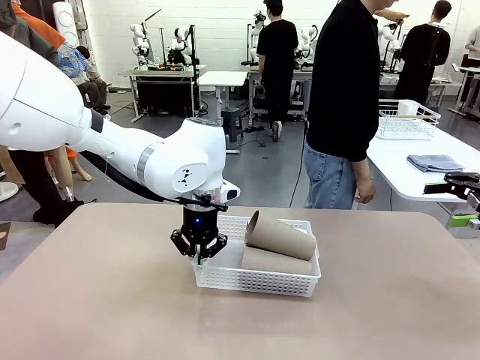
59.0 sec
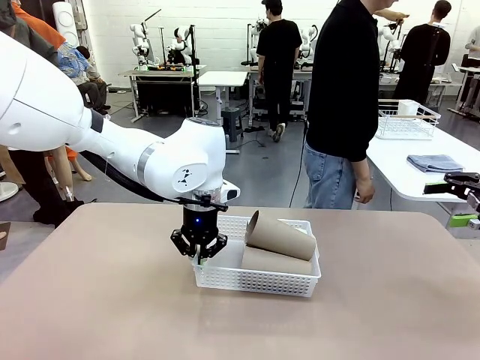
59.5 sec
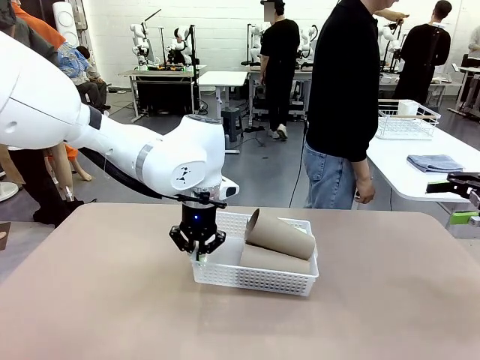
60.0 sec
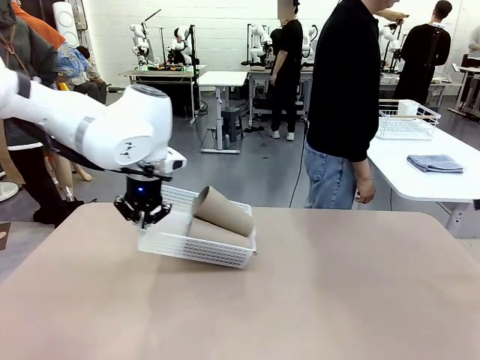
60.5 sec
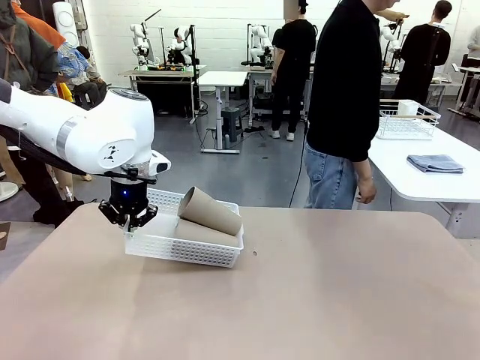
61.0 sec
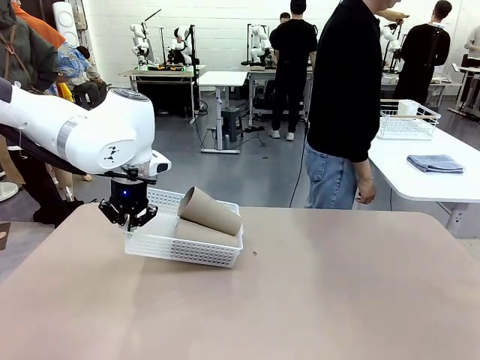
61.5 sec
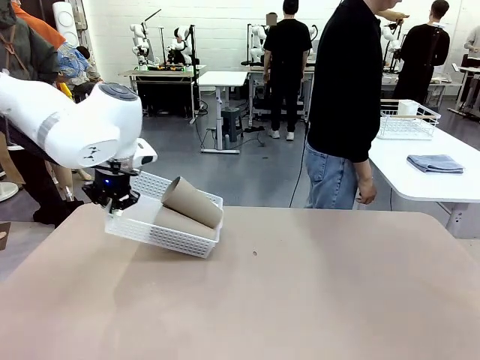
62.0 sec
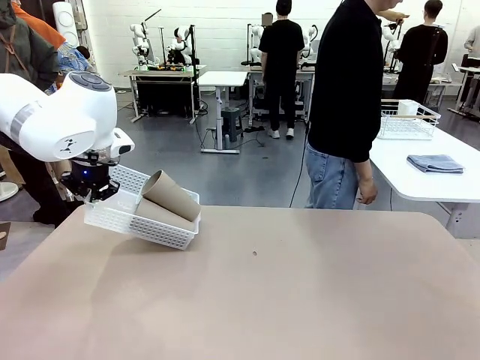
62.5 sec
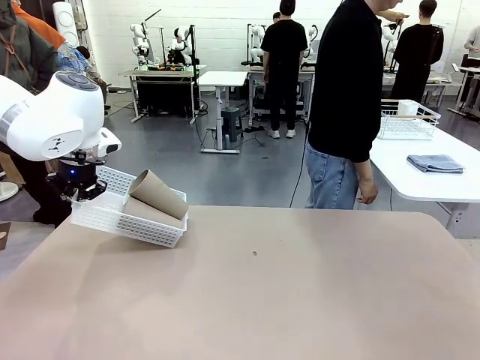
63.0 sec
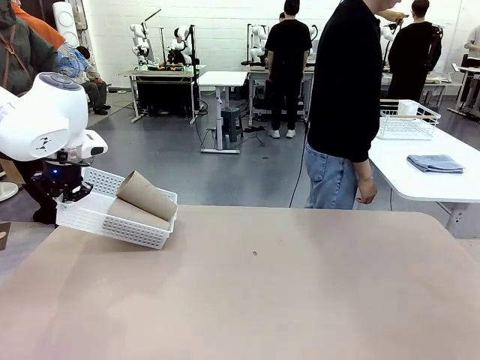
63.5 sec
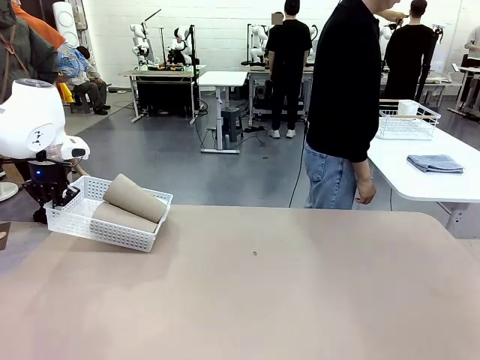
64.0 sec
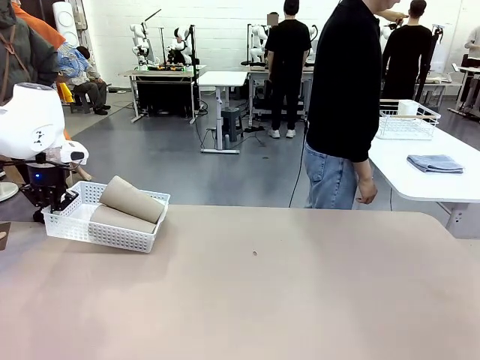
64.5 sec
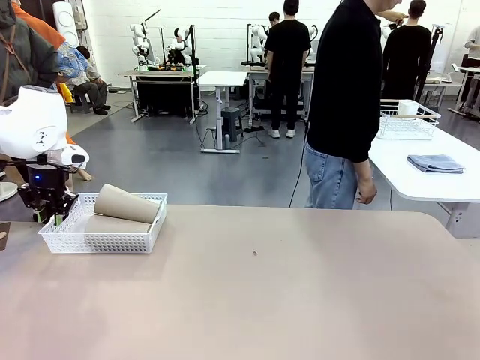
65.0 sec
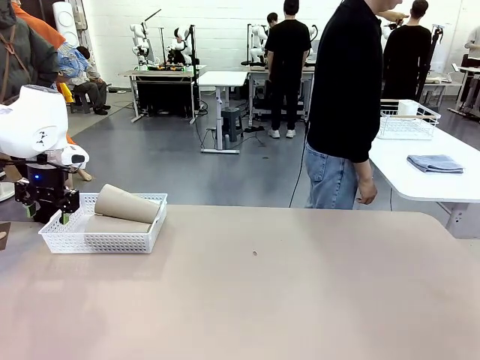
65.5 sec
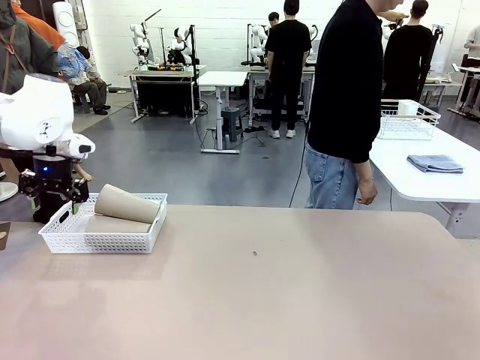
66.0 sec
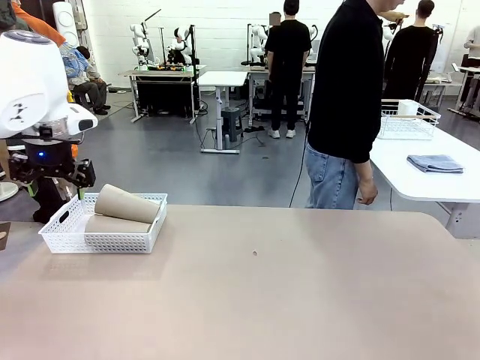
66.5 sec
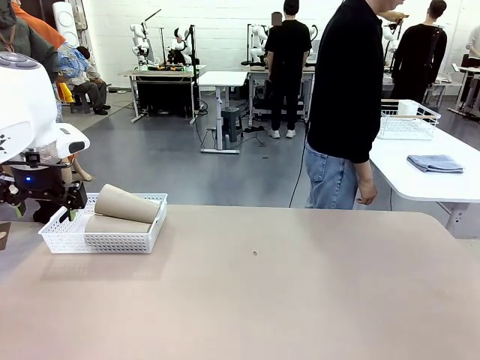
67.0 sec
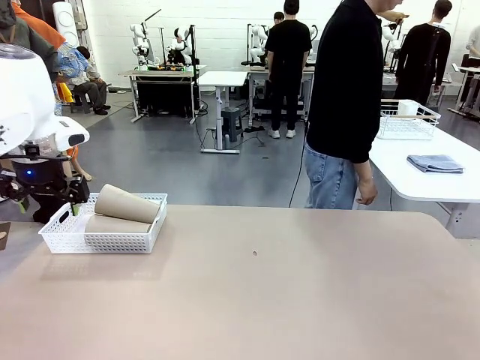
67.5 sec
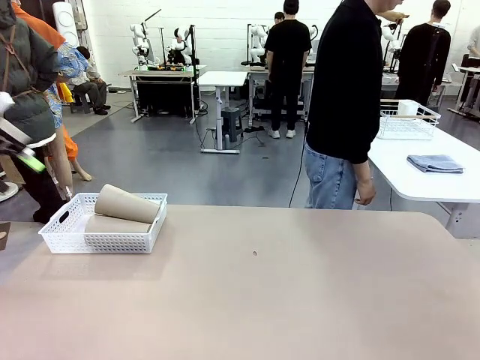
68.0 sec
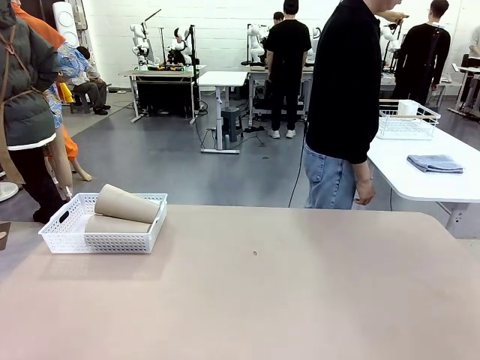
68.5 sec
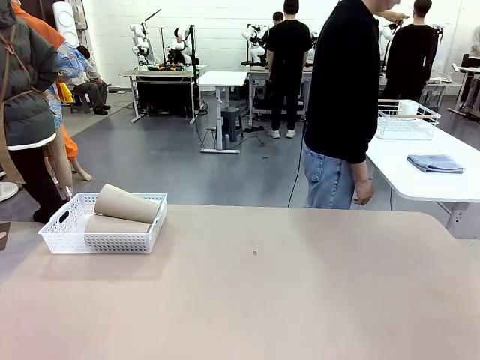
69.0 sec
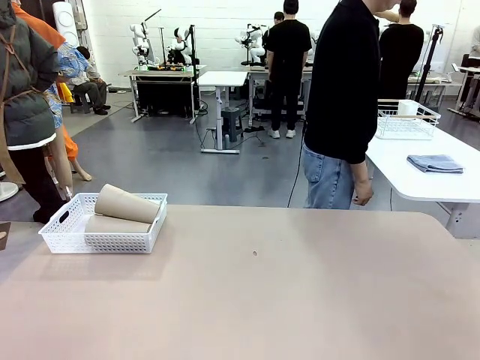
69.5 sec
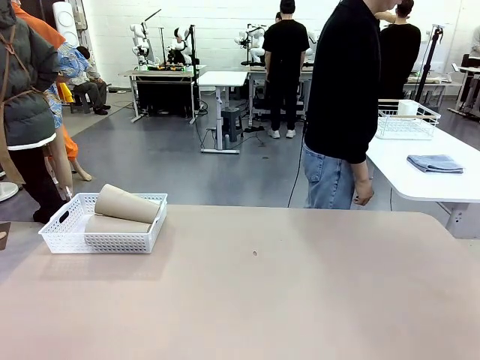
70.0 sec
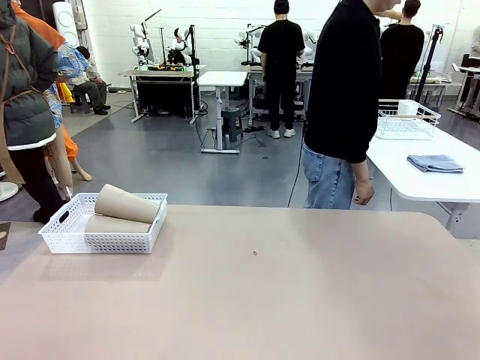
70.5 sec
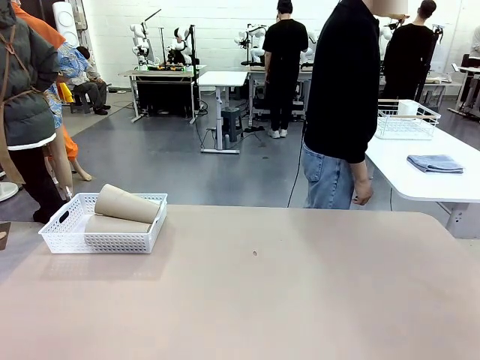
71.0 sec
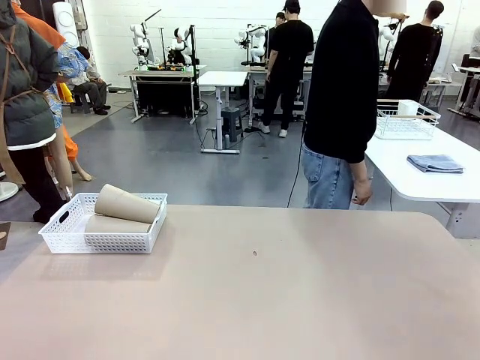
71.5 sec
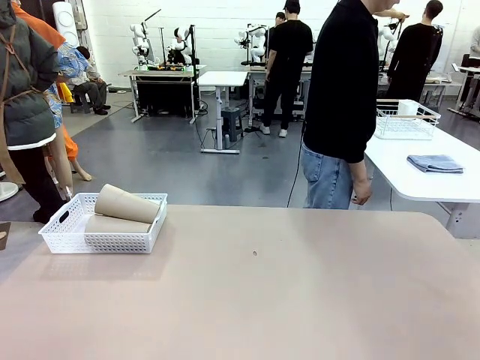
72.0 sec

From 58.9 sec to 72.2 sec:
Task: Clean and organize the cups into the basket.
Robot: Move the Organizing basket back to the left side of the table.
Person: Folds the towel in half twice and places it in the right of the table.

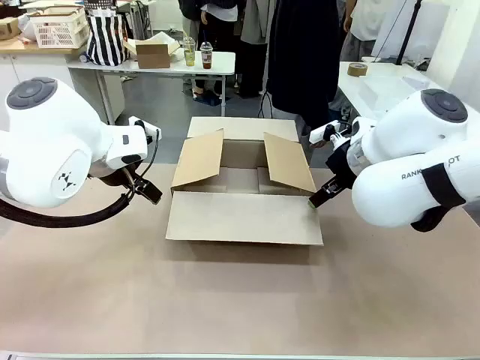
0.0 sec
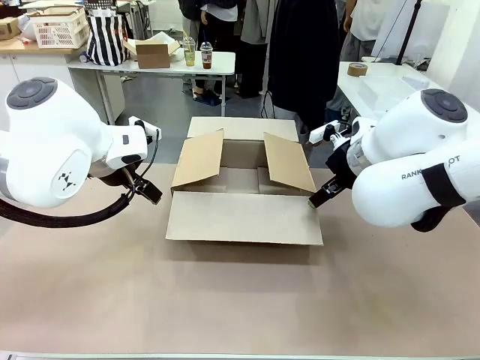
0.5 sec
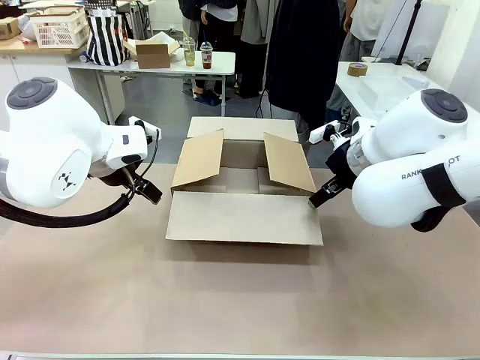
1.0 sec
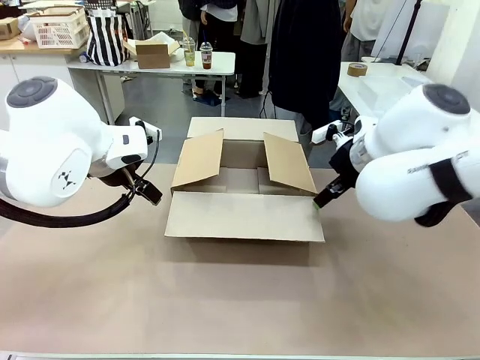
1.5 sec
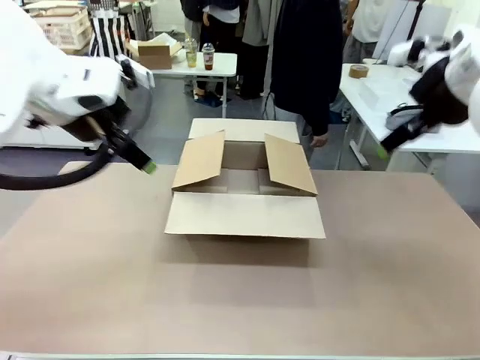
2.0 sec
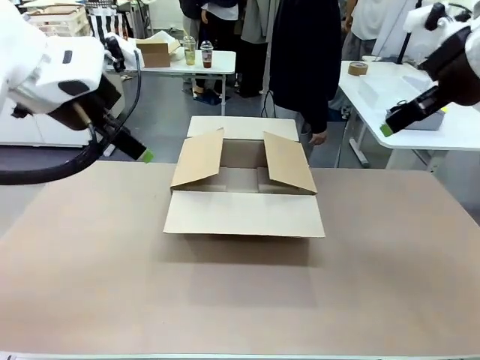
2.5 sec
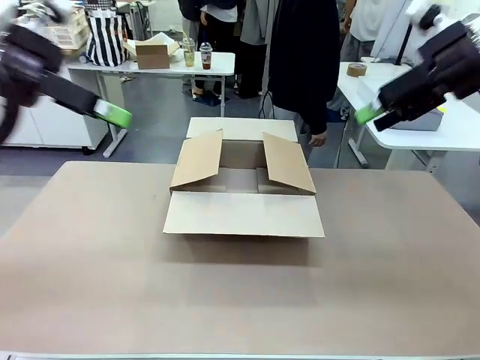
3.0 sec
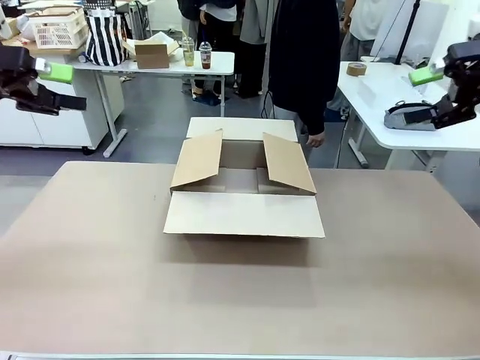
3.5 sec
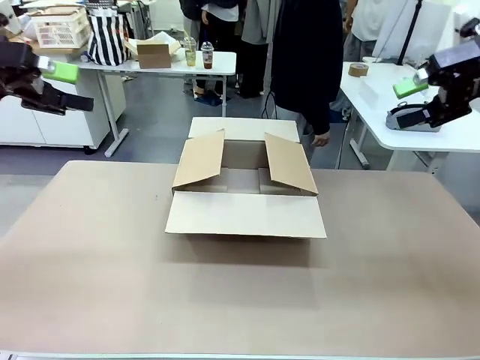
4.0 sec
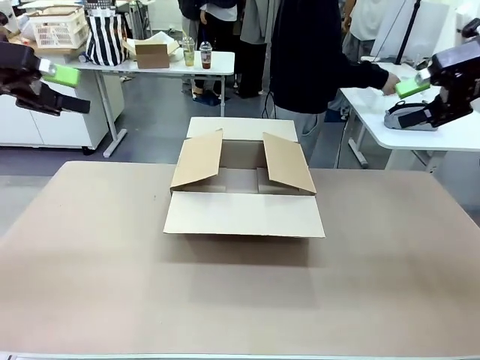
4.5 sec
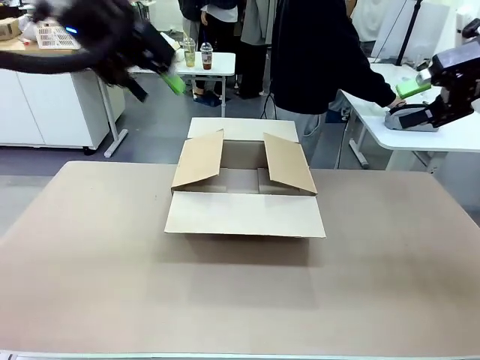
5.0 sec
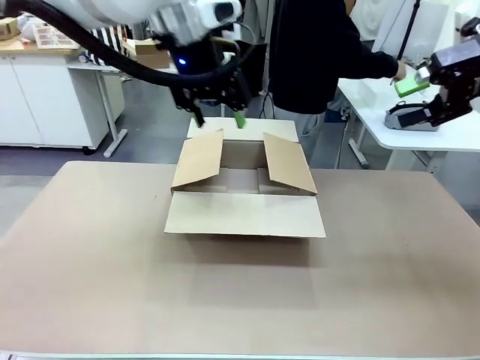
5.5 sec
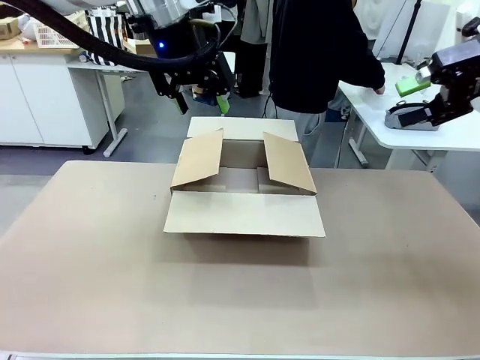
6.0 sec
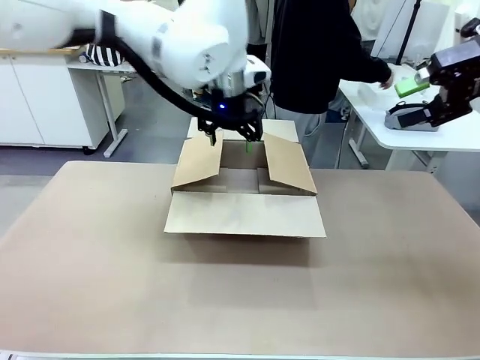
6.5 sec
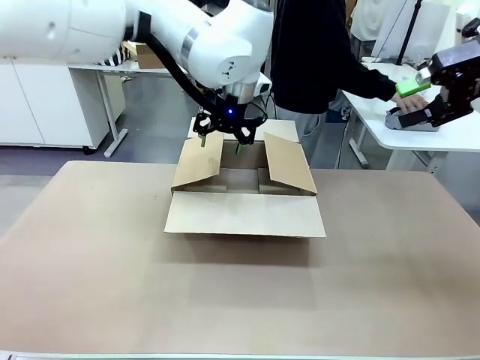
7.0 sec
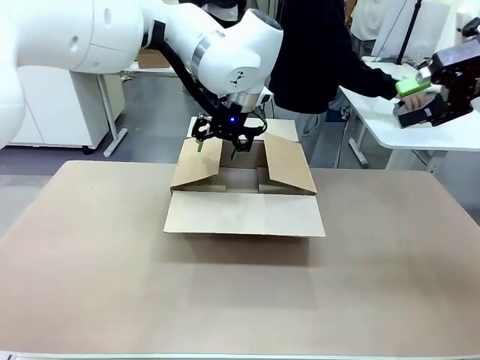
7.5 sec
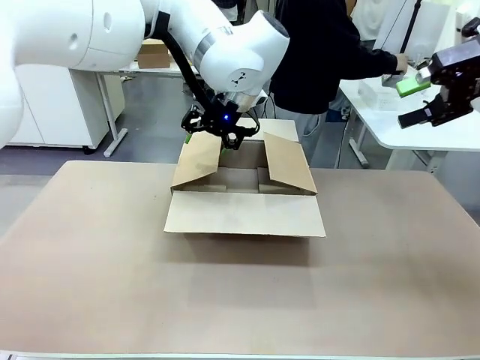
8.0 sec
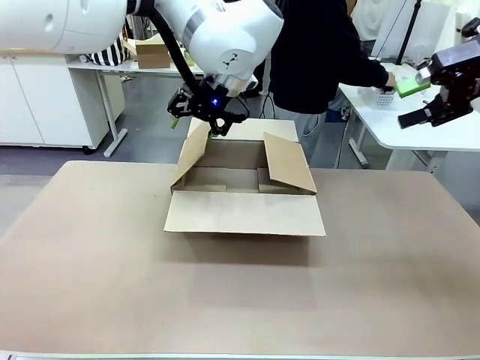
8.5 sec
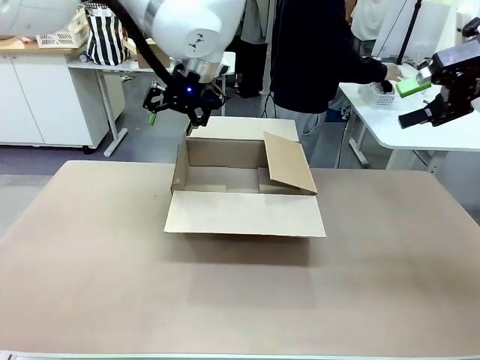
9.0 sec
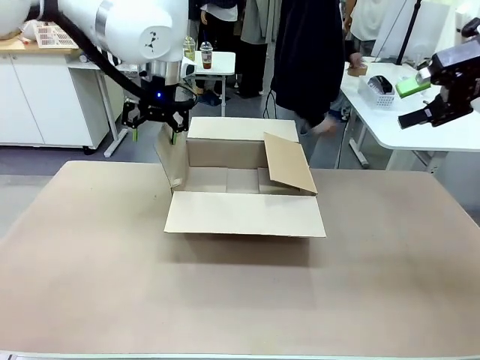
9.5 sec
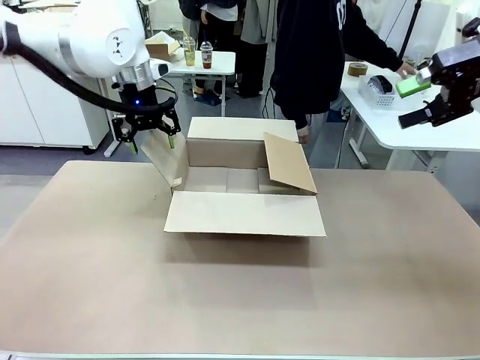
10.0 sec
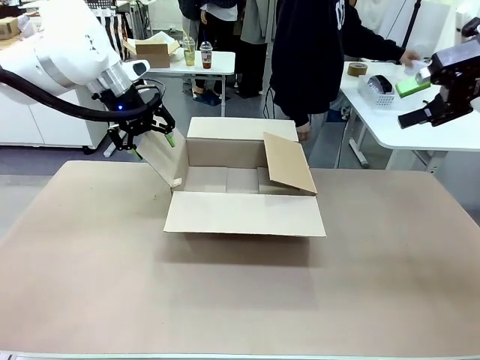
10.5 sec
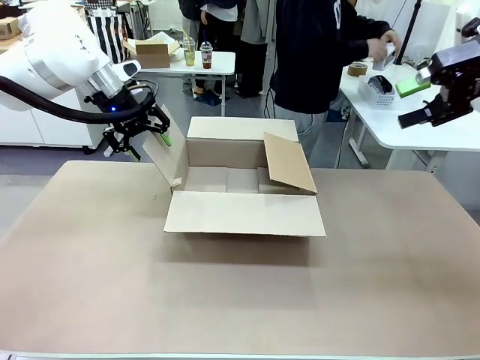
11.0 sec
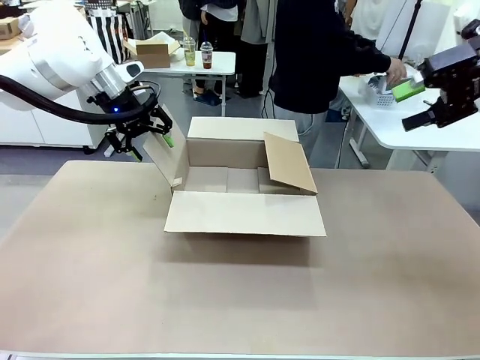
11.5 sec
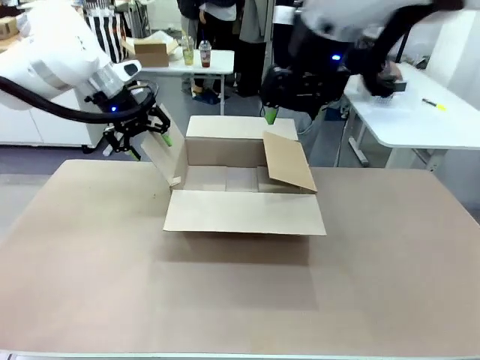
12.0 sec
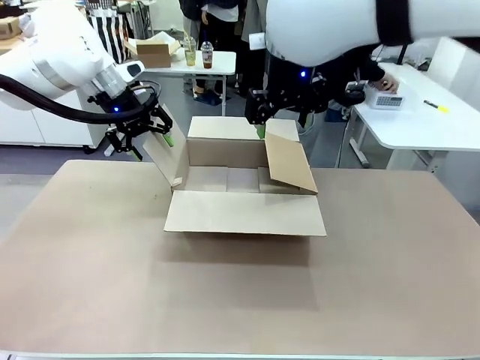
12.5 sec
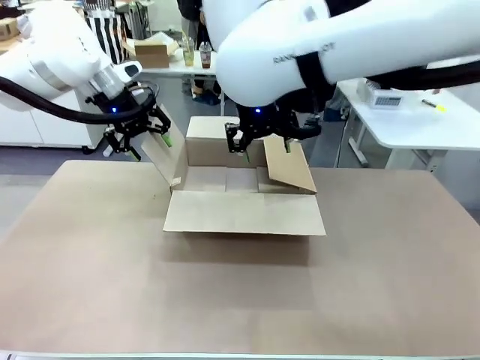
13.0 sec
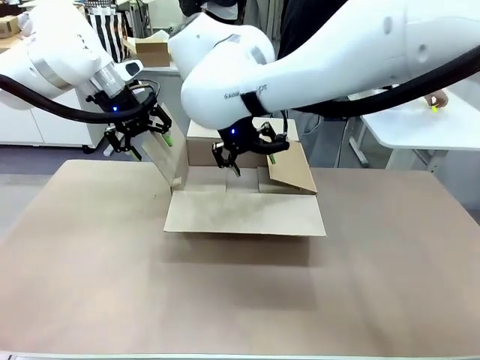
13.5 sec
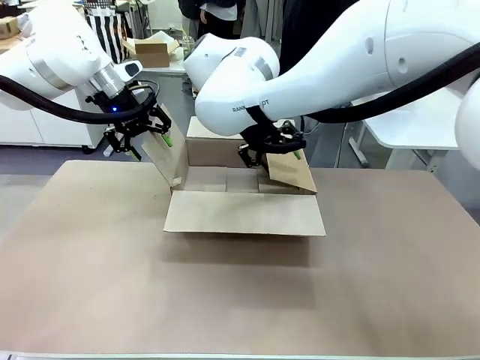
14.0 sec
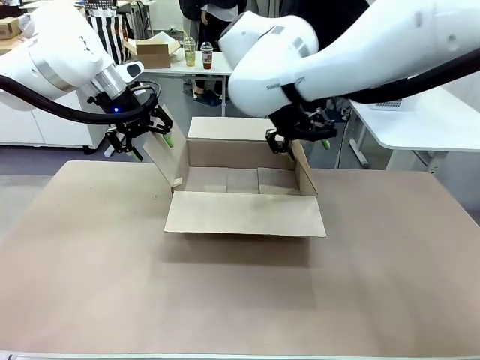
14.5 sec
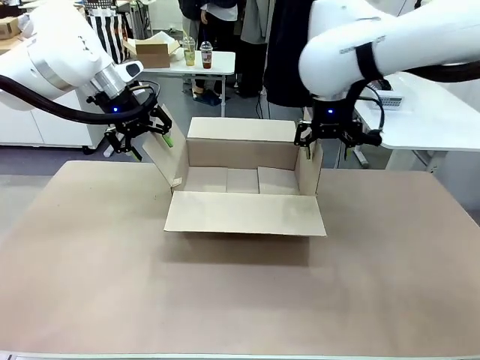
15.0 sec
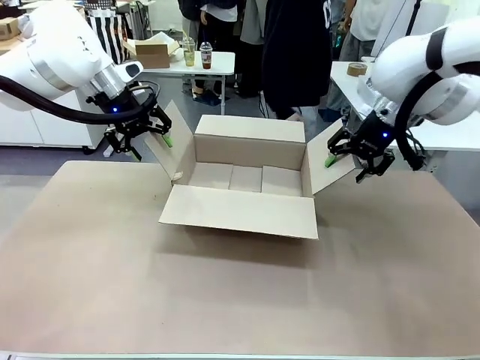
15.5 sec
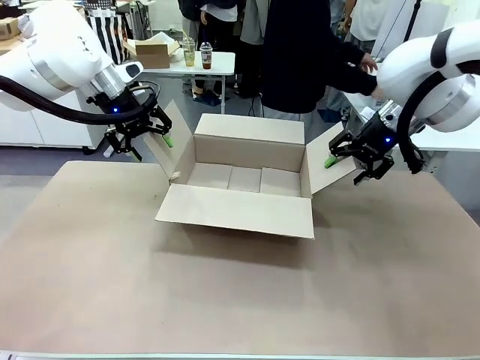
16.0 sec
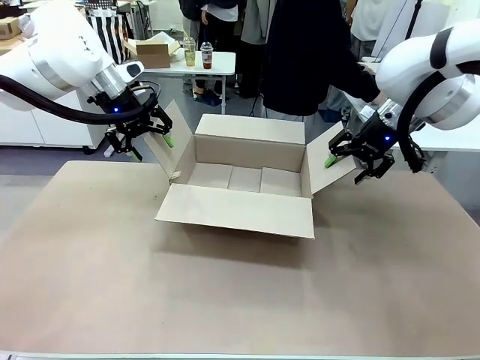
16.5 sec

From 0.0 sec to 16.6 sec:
Task: Pack the gift set into the box.
Robot: Place both hands on the side flaps of the Package Box and spread them outward.
Person: The human places all items except the paper tape into the organizing basket.
